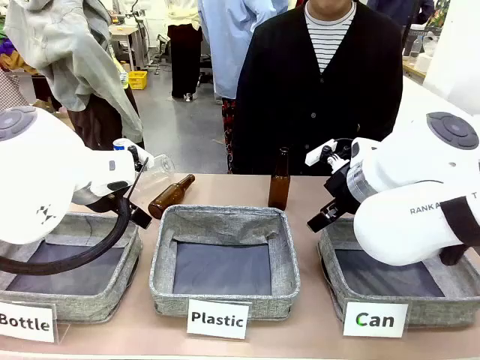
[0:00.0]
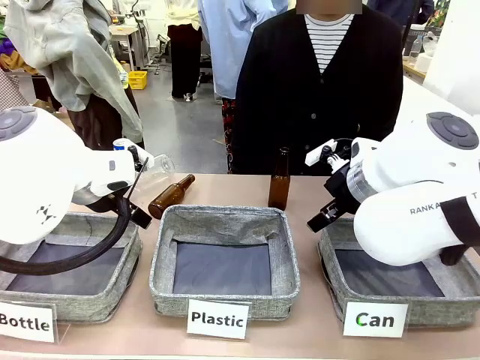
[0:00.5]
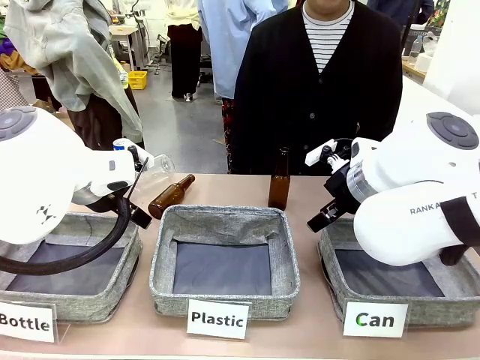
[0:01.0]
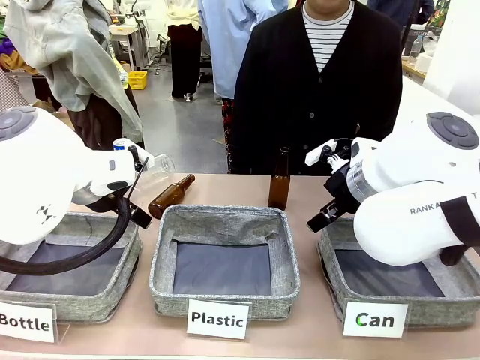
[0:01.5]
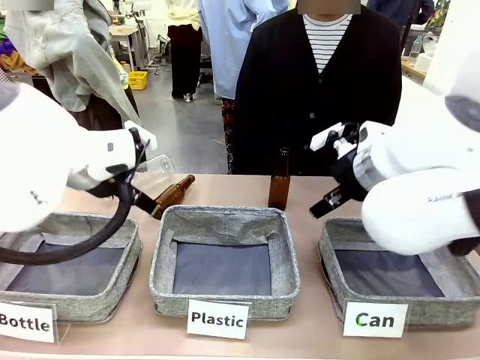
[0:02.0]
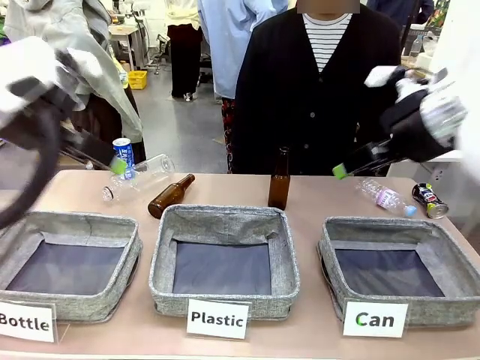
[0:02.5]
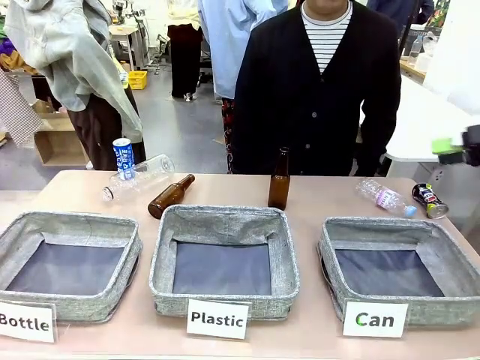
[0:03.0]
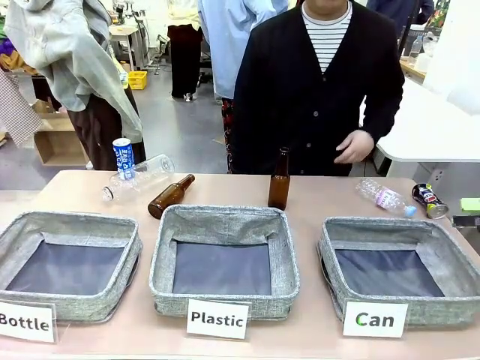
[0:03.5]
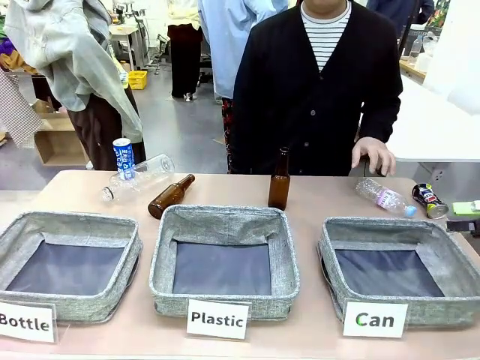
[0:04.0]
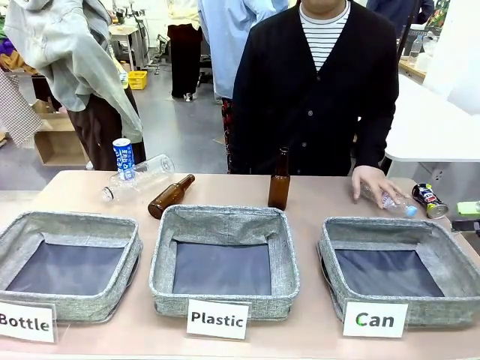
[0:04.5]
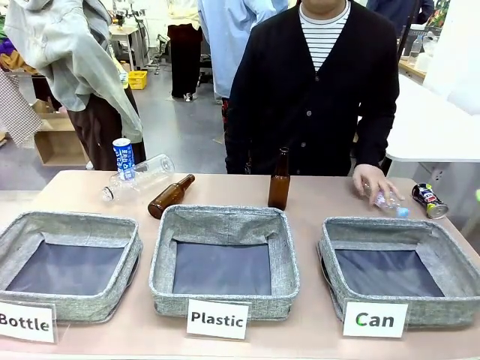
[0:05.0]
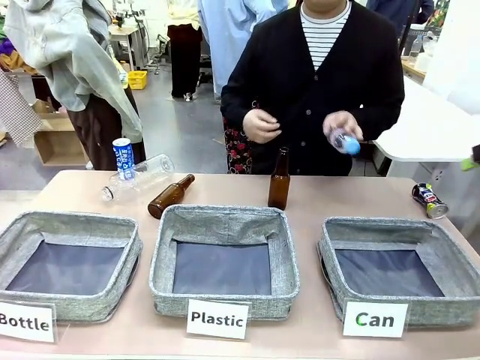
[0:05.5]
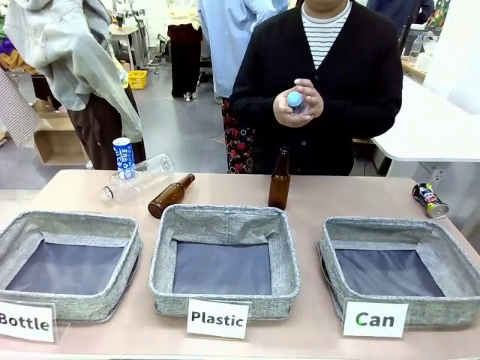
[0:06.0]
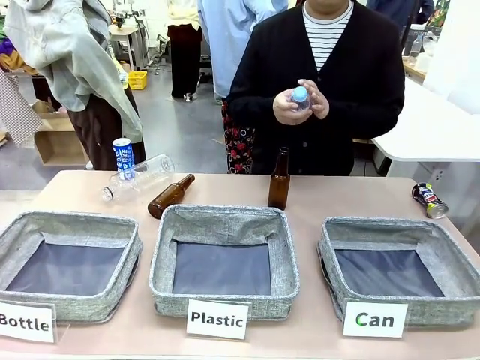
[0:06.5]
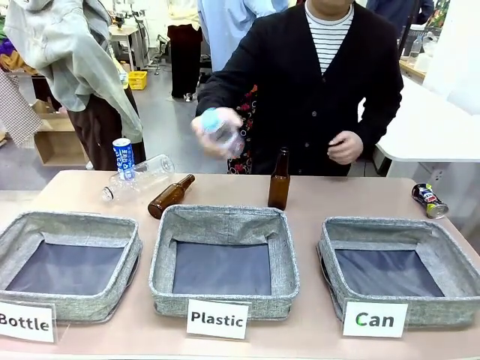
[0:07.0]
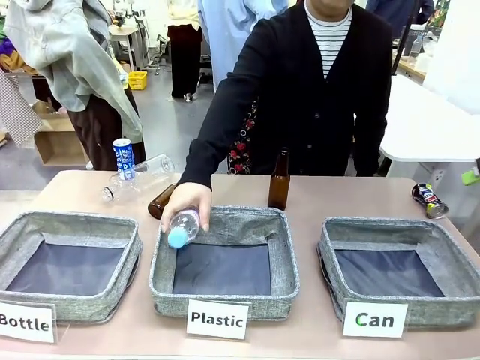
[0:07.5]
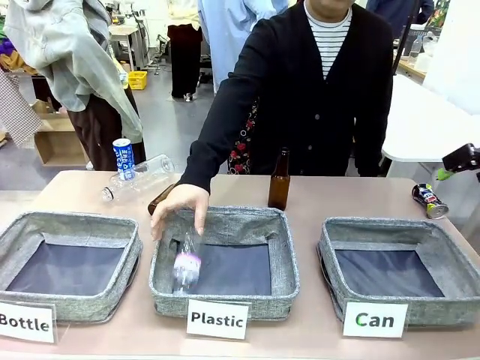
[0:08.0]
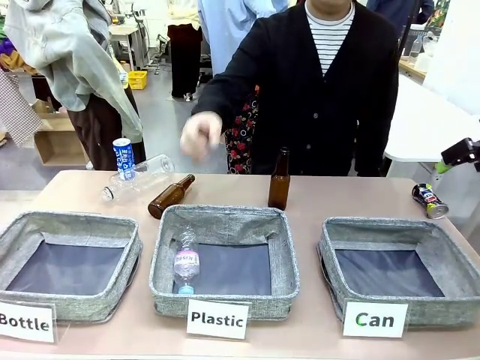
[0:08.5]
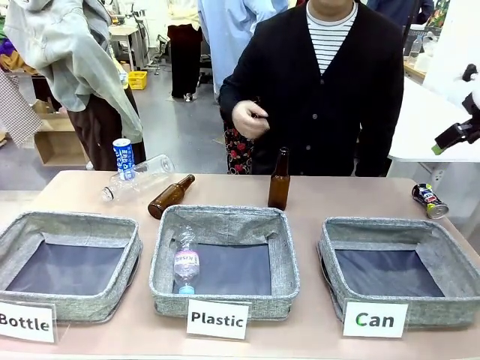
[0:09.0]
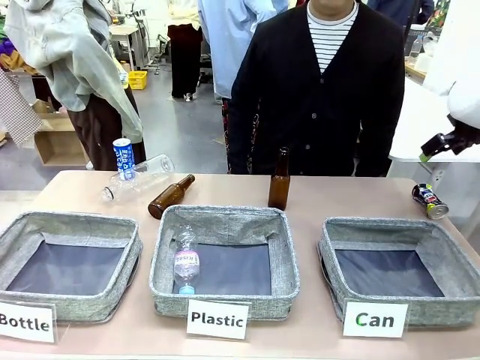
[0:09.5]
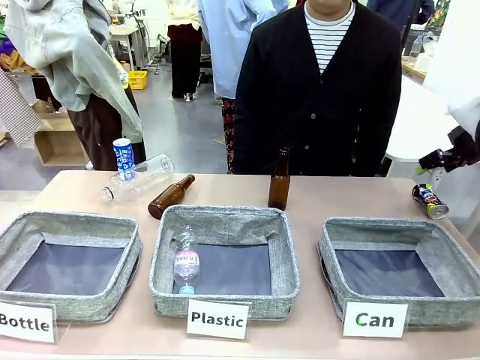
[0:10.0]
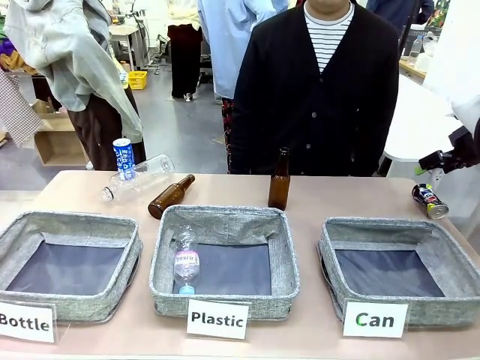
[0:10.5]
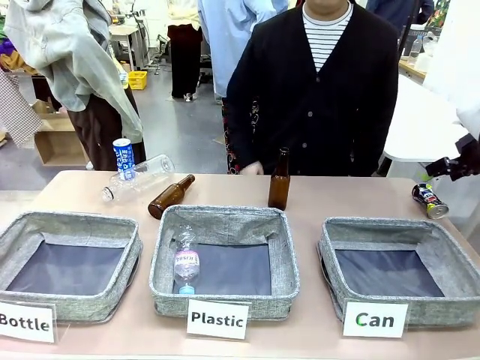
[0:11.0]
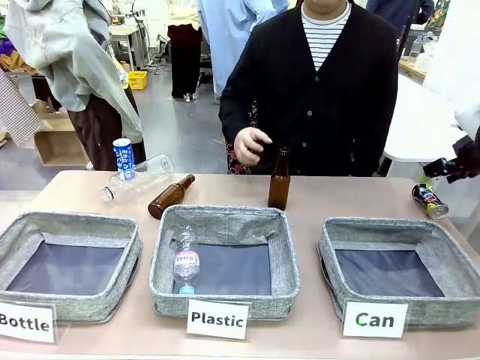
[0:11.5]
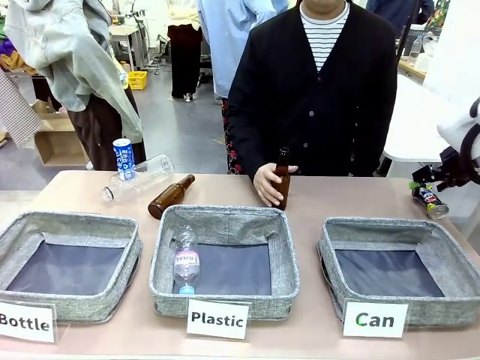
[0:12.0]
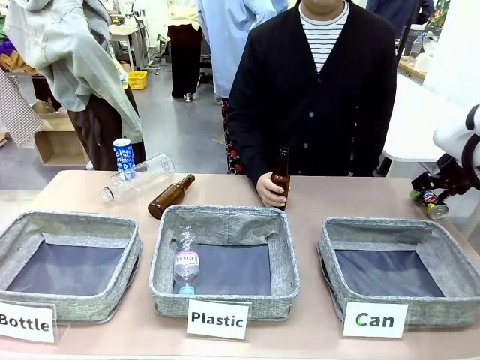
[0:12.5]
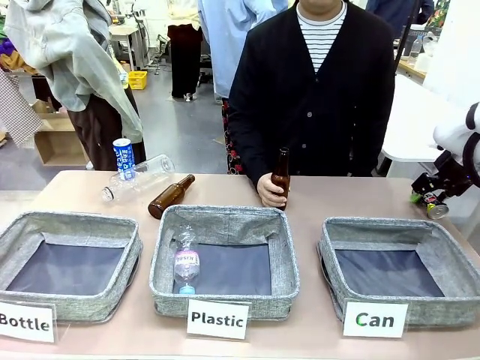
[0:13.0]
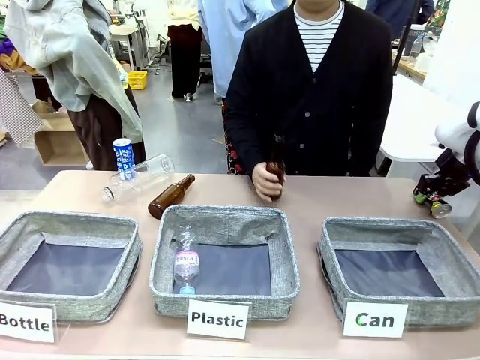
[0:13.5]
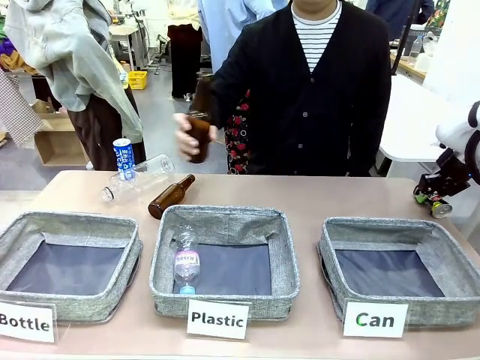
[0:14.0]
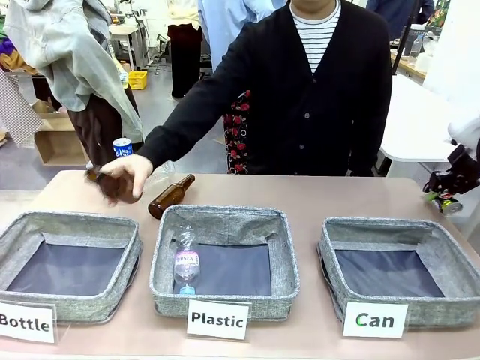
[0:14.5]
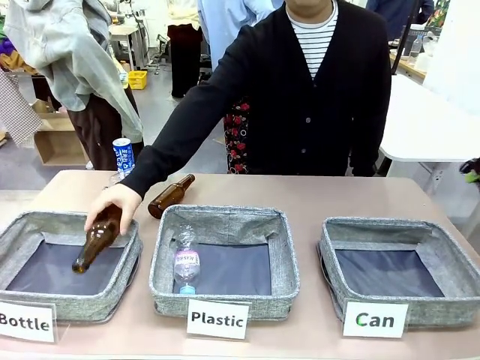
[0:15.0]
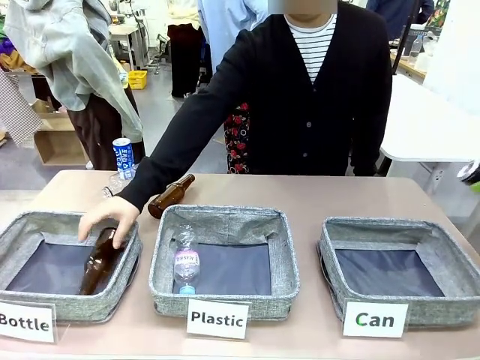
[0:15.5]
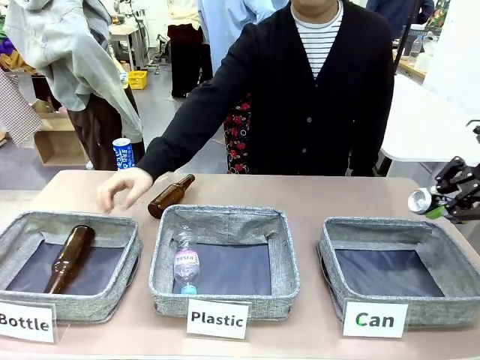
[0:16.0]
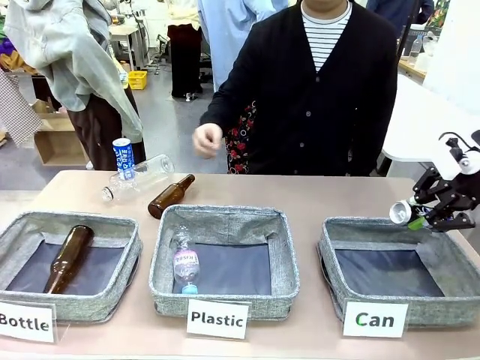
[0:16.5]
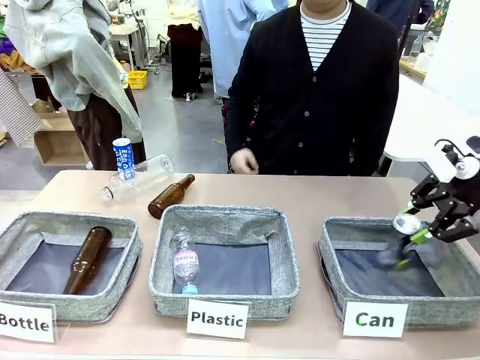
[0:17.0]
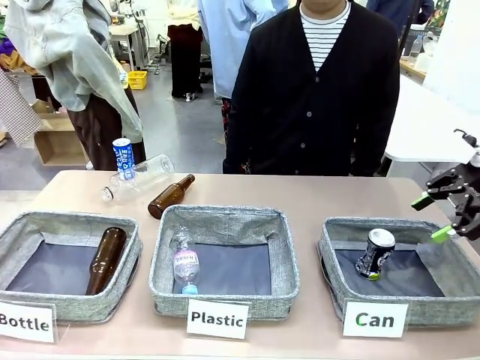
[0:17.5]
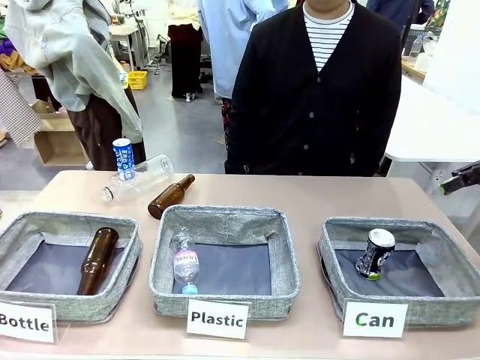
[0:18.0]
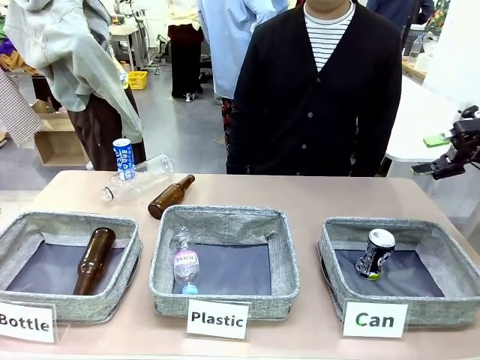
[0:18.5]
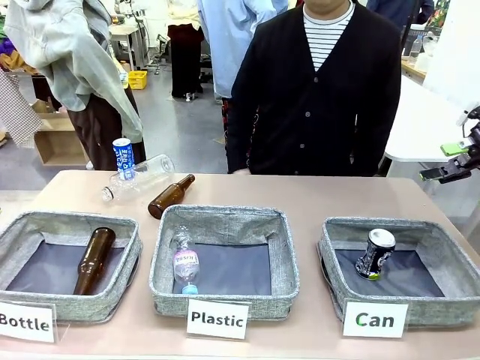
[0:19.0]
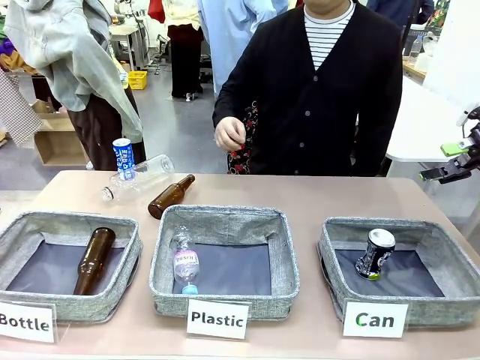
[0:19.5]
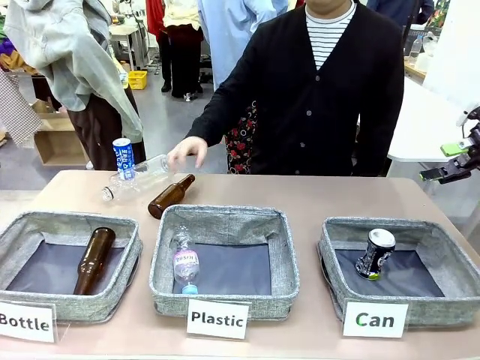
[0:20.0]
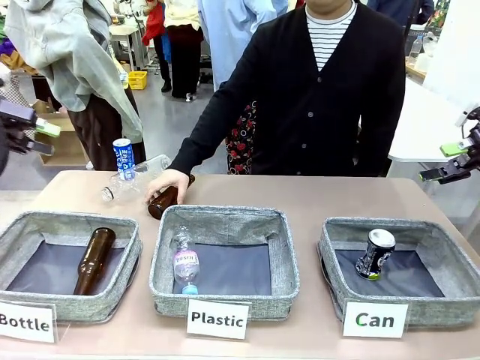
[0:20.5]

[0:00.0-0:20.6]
Task: Sort the can waste into the basket.
Robot: Pick up the can waste from the table and place it in the right Fabric basket.

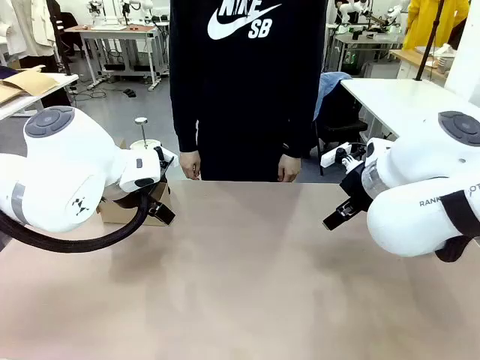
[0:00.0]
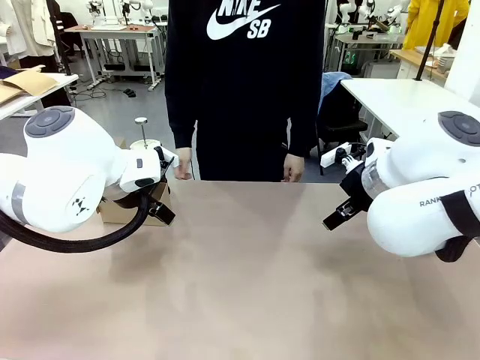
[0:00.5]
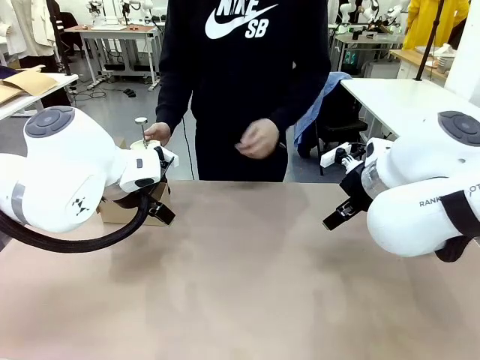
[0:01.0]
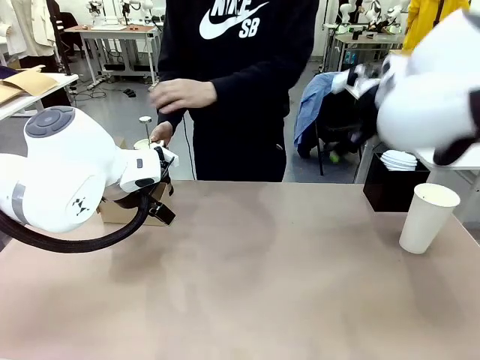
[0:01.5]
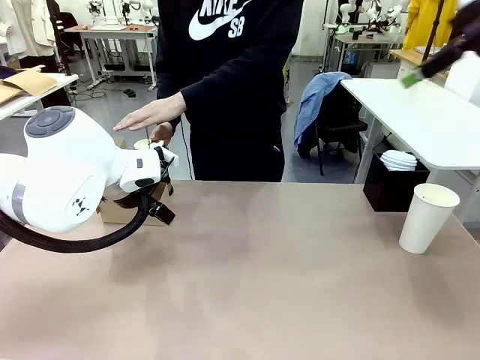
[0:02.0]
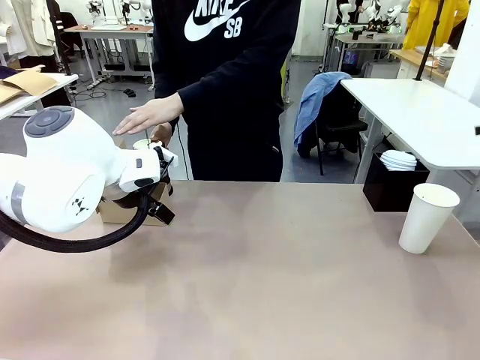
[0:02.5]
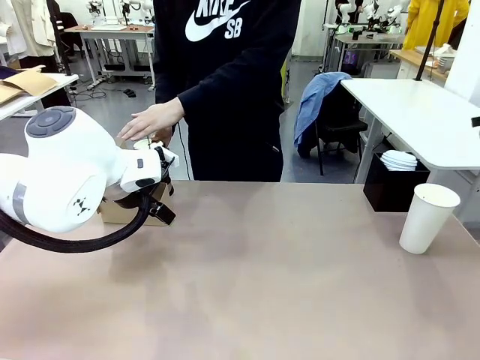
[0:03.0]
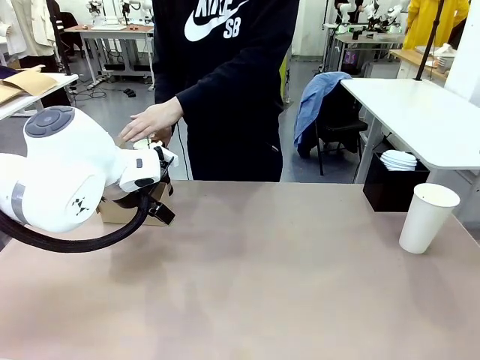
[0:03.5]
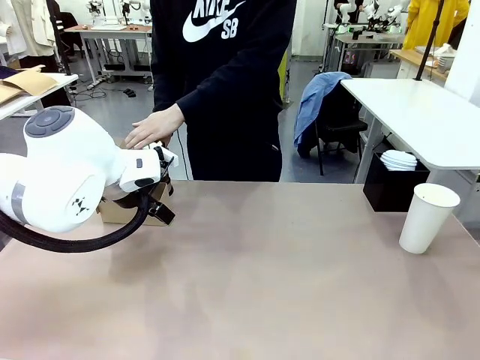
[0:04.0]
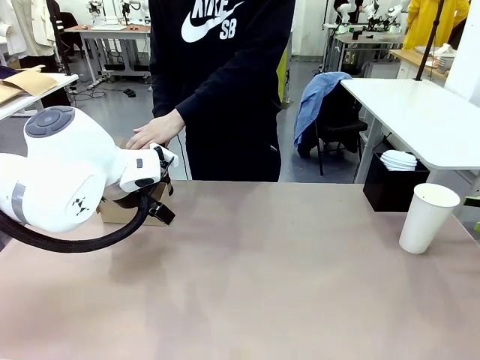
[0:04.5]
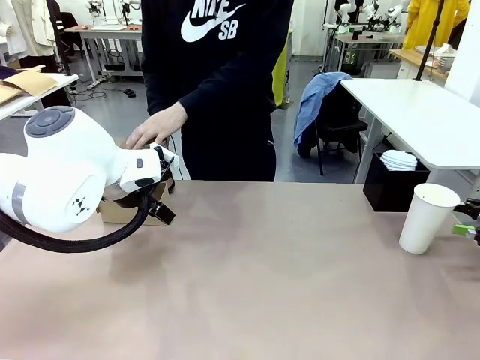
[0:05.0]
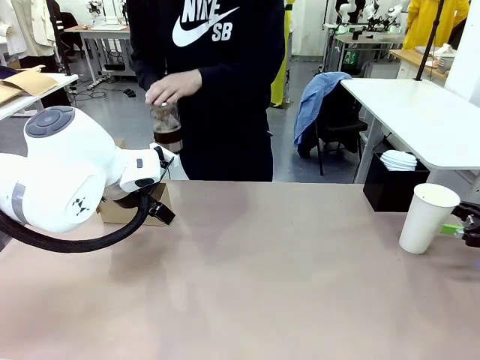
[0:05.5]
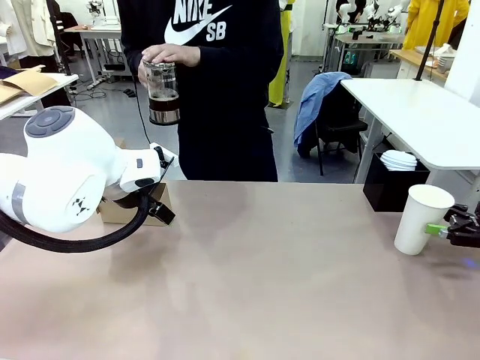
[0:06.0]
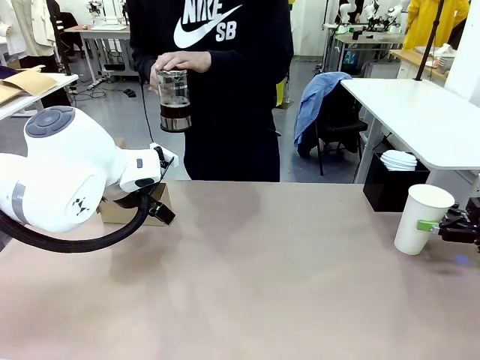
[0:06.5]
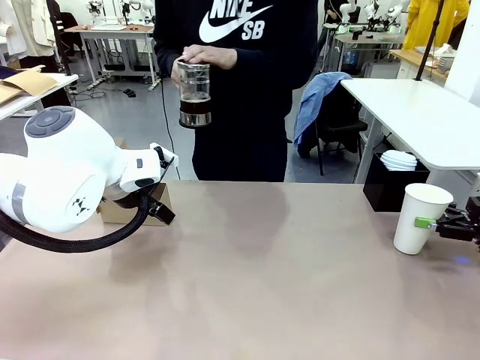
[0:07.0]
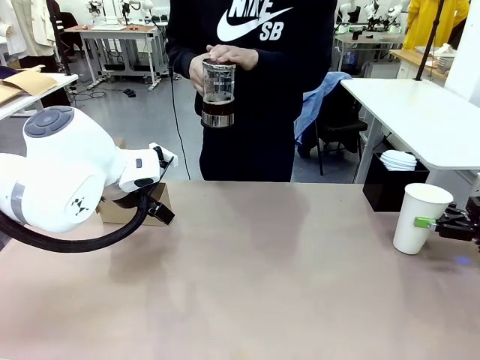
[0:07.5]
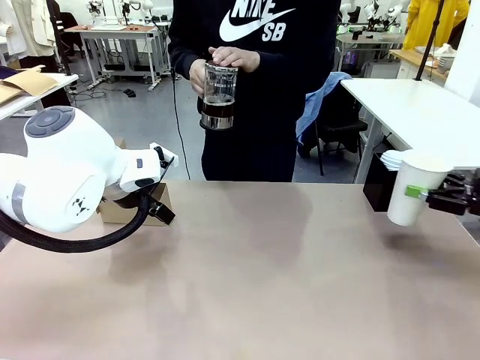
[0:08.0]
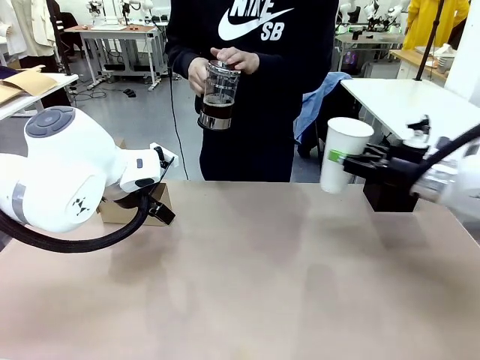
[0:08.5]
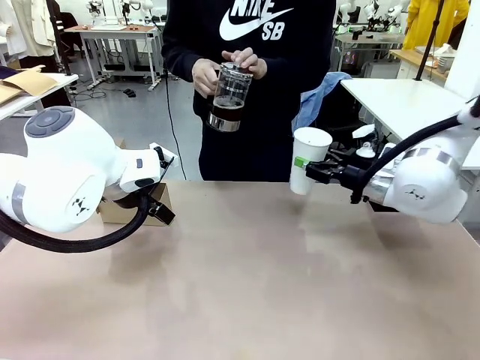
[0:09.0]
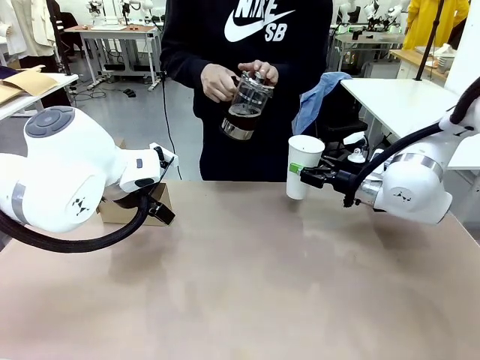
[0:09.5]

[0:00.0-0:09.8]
Task: Pour a drink into a cup and package it in a carrier.
Robot: Pick up the 600 ml Paper Cup and place it in the middle top area of the table.
Person: Press and pick up the Filter Brewing.
